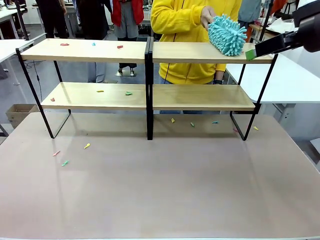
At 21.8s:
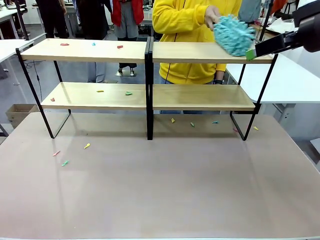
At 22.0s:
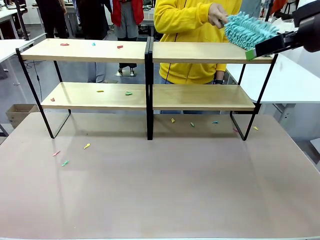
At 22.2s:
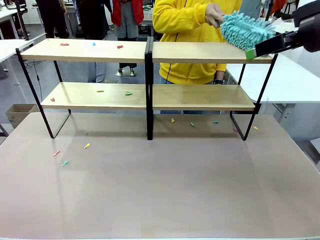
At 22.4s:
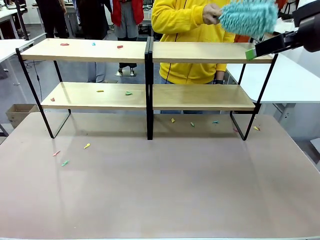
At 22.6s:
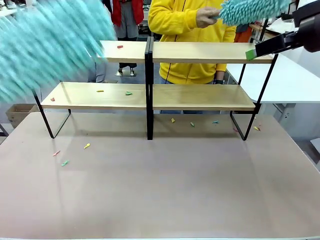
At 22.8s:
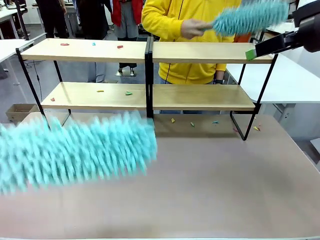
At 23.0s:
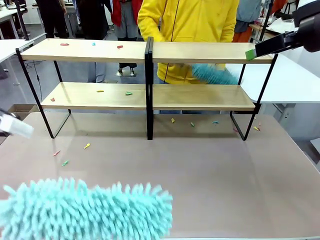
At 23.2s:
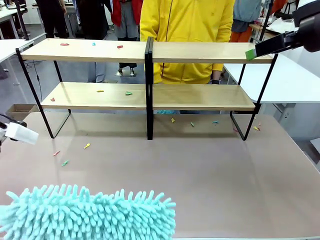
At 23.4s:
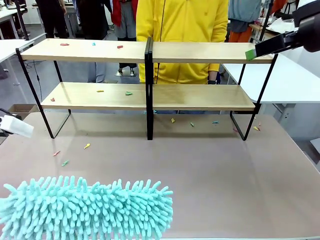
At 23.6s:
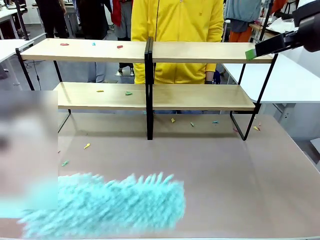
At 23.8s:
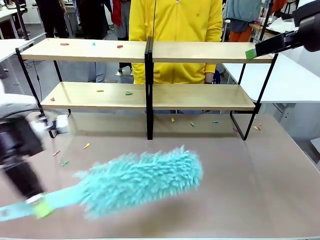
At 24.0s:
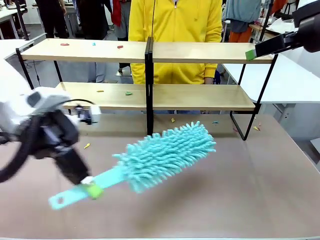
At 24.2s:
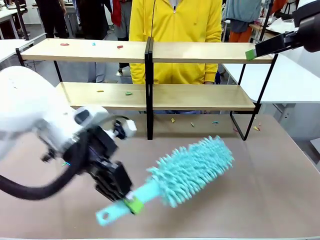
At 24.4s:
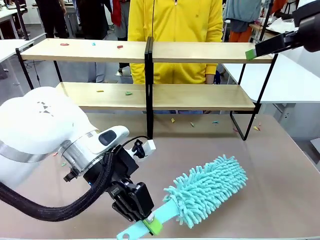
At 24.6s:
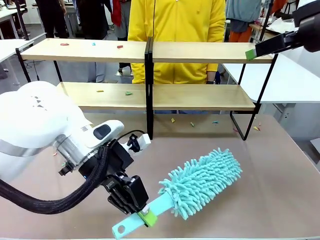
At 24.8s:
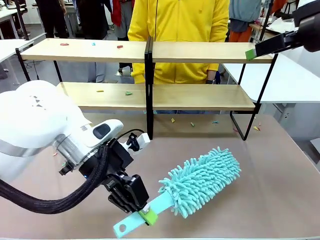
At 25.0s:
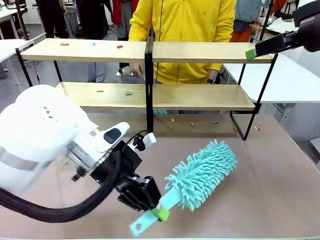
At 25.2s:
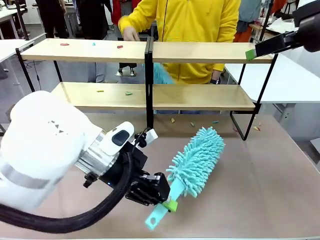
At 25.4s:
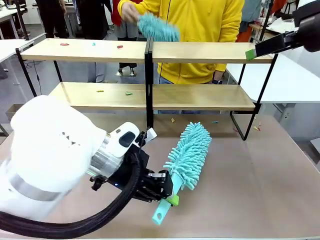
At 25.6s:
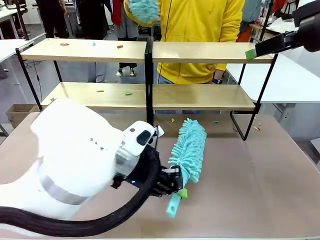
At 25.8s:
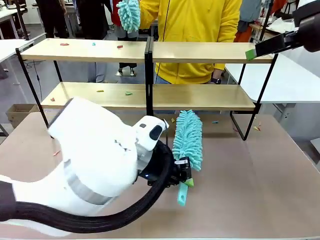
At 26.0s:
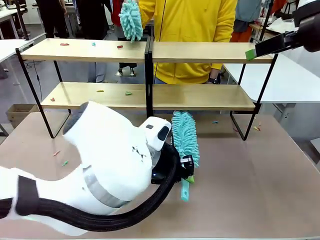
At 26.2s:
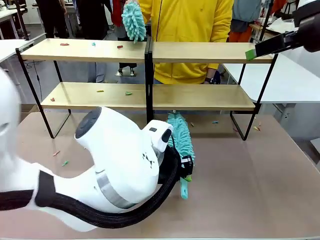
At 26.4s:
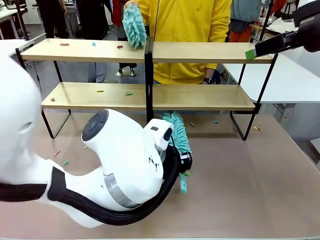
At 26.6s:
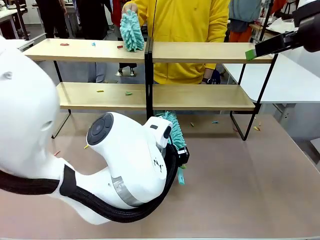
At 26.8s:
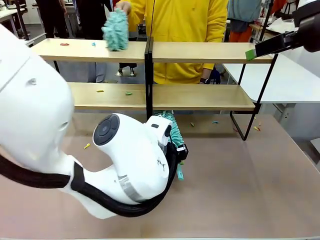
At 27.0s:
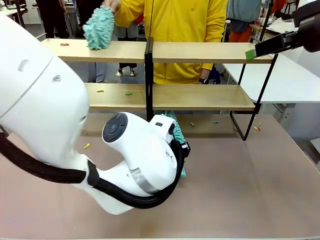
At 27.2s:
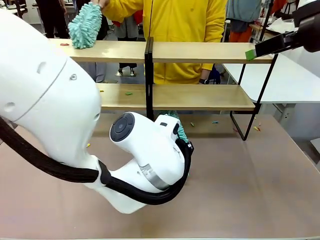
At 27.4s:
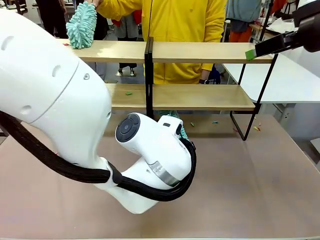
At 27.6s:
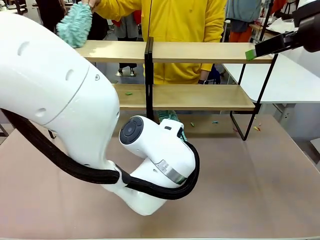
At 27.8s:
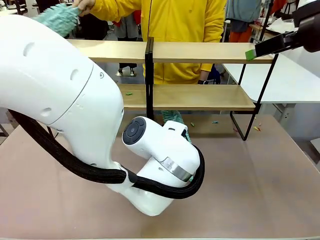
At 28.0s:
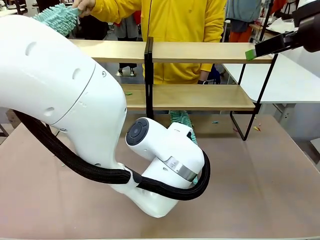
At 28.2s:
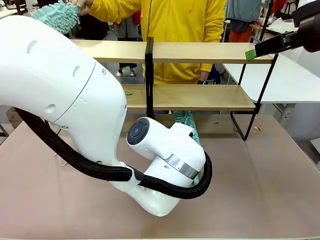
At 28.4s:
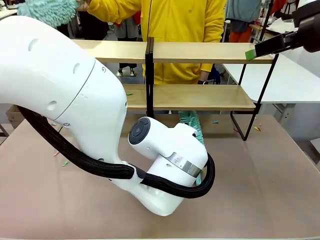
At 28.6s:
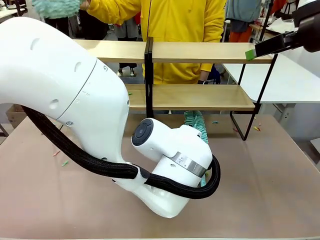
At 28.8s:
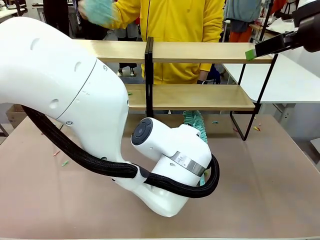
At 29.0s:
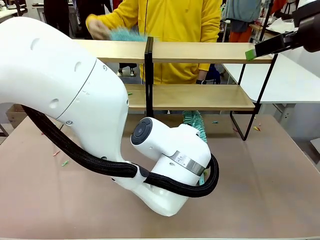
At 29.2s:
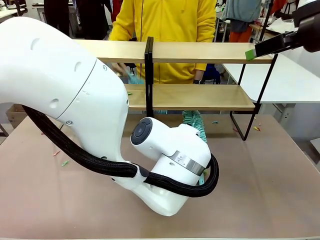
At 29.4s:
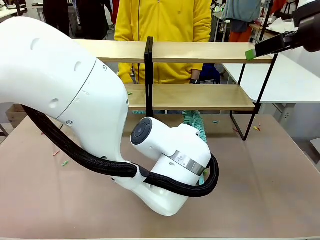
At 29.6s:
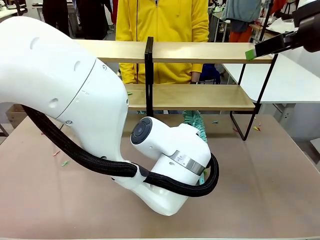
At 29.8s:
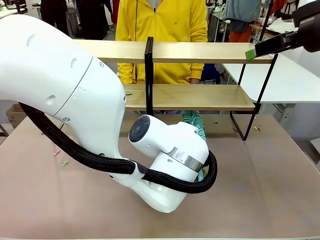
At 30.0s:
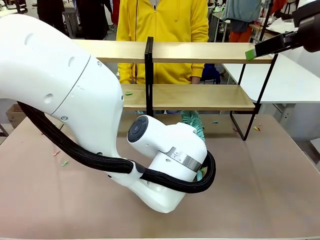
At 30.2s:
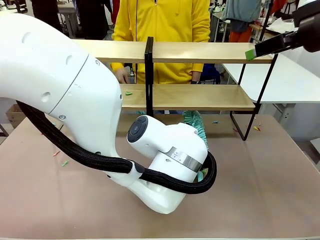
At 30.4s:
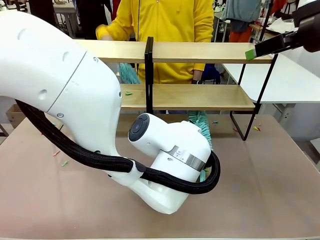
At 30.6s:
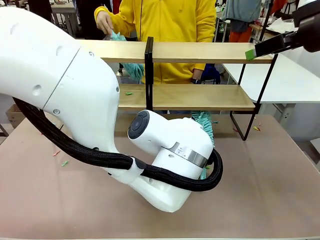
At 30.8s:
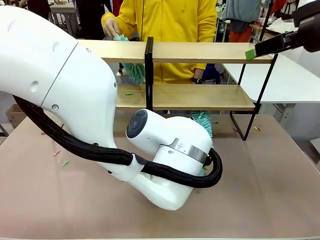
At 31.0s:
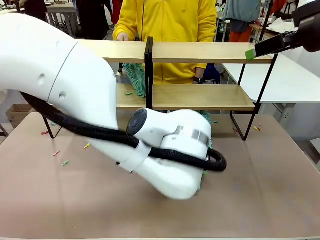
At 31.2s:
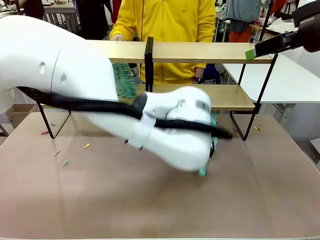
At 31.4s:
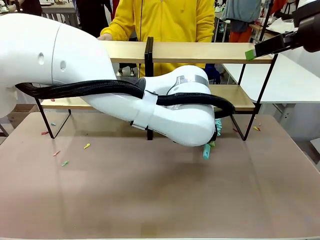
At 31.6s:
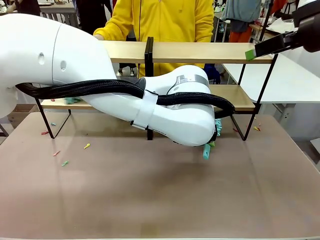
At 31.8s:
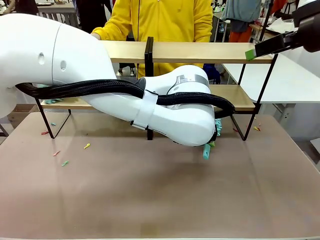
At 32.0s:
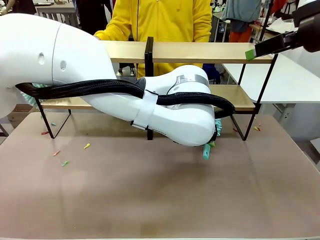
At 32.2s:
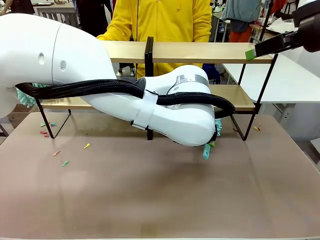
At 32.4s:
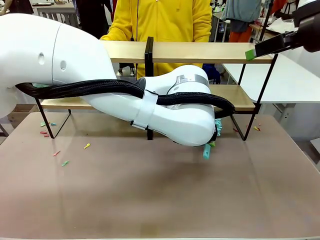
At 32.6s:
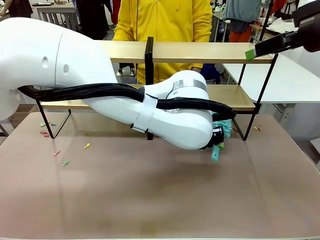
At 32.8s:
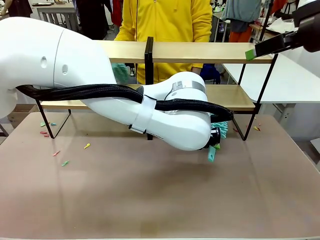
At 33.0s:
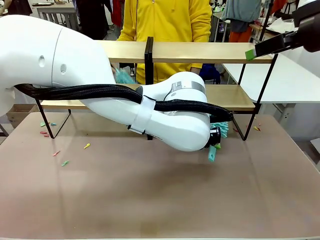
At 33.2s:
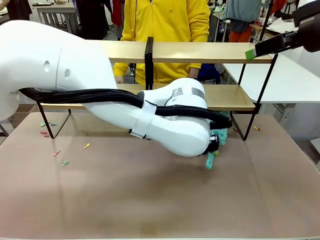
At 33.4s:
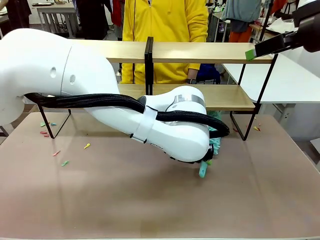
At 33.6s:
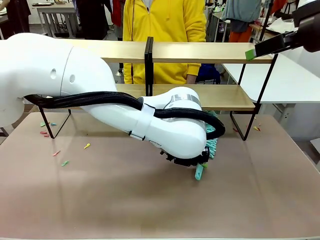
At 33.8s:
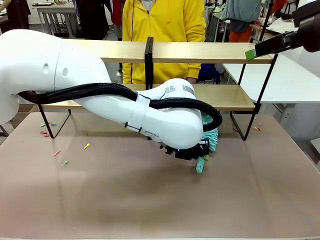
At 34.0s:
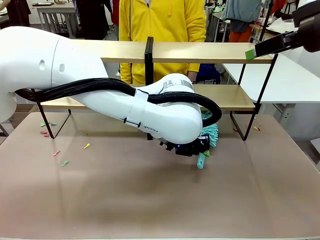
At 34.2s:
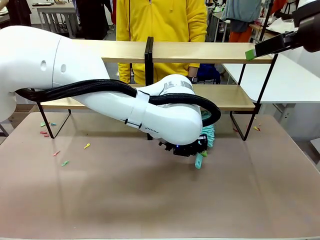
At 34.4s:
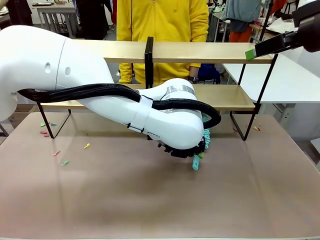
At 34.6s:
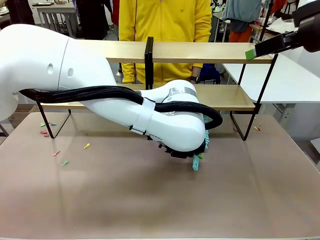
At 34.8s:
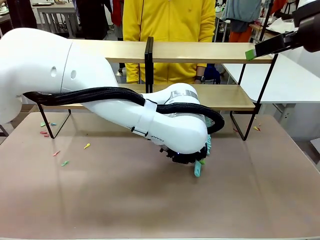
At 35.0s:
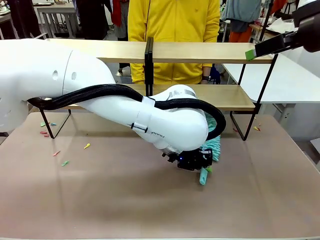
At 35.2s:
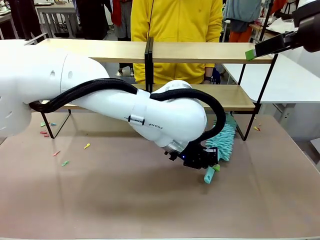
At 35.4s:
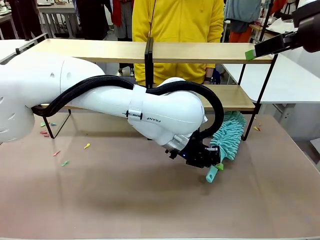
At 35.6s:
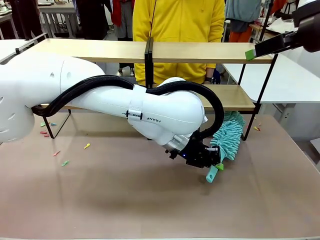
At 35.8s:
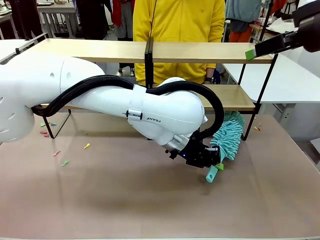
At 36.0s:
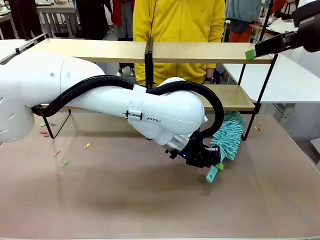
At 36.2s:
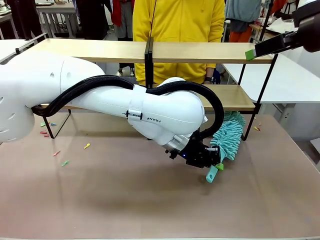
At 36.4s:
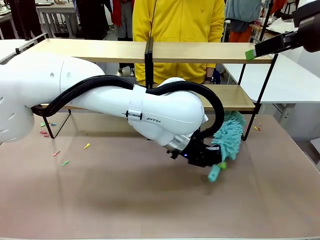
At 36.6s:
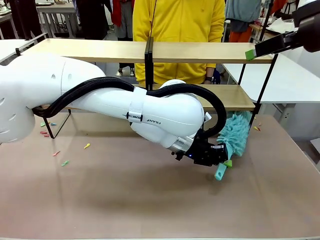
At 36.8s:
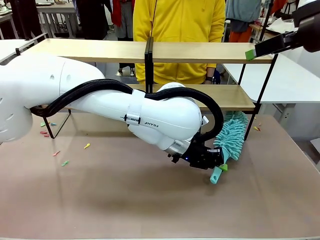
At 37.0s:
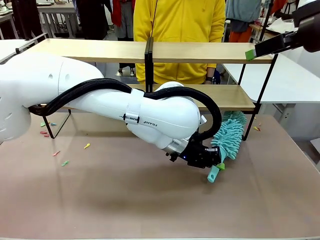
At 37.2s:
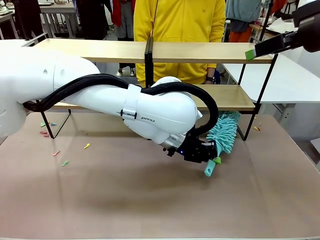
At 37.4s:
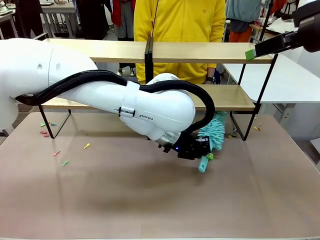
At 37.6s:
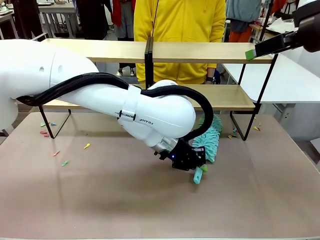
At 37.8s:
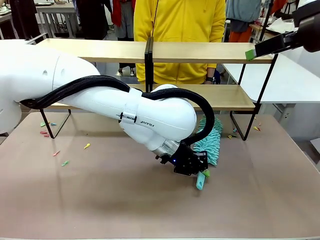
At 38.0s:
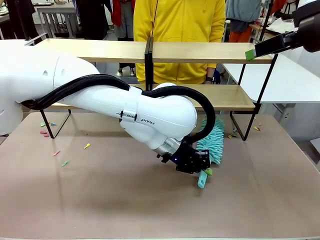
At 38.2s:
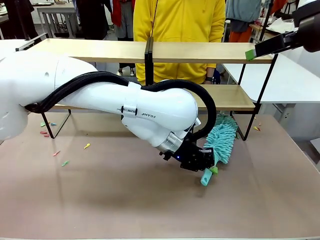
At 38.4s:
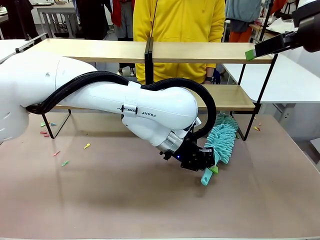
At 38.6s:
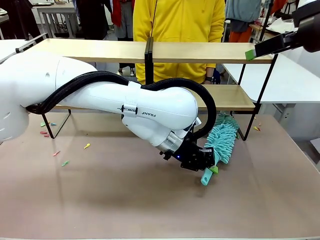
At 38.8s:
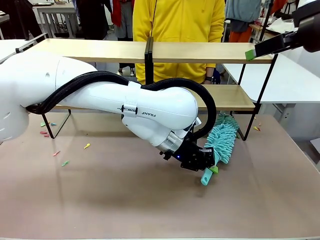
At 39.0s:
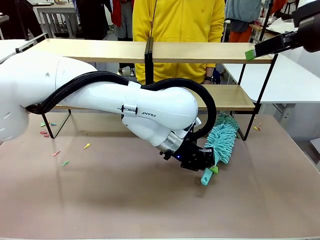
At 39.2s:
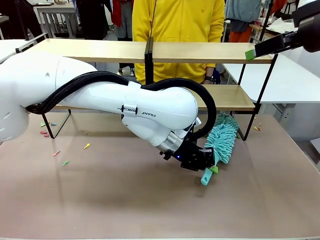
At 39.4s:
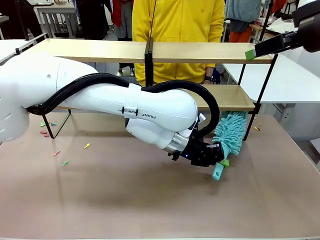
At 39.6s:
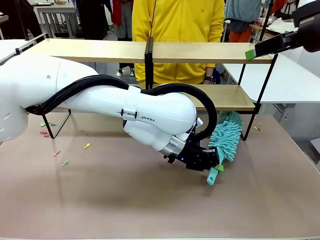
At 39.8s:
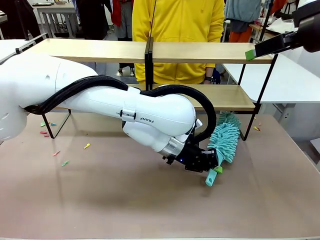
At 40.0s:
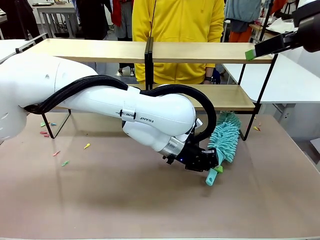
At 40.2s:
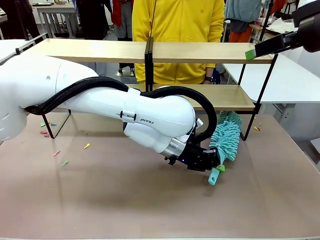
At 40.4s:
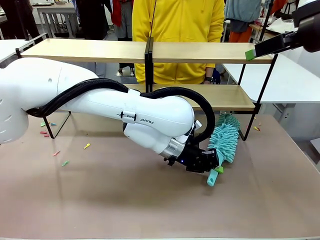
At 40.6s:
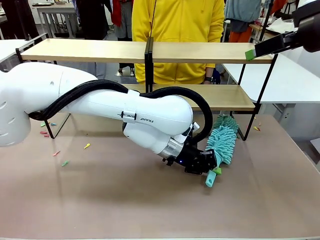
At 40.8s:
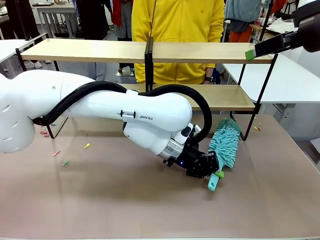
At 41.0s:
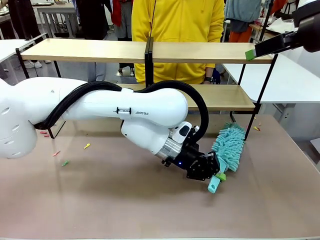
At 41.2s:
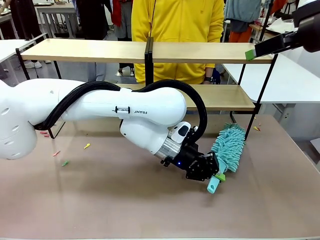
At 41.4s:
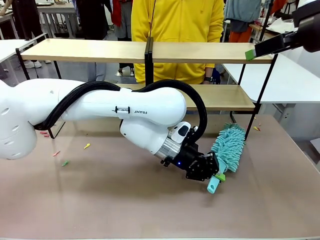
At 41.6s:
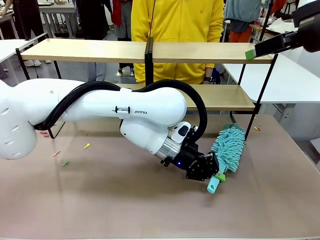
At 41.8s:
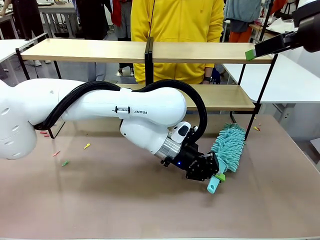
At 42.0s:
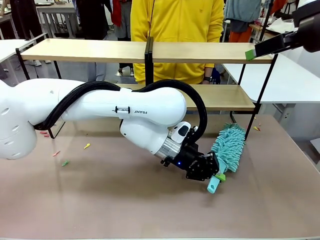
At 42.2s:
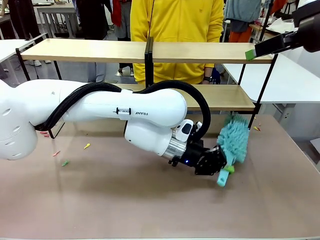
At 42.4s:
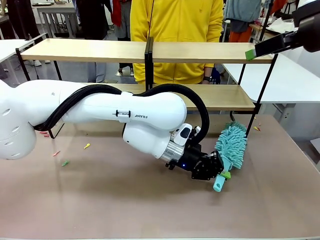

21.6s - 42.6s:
Task: Clean the shelves.
Robot: Clean another randomly selected level of the Shelf with the Duster.
